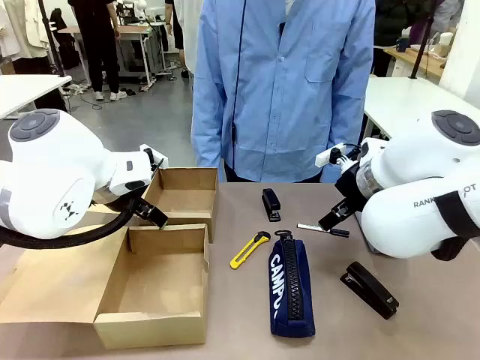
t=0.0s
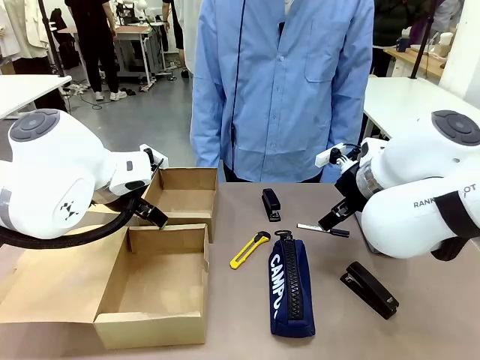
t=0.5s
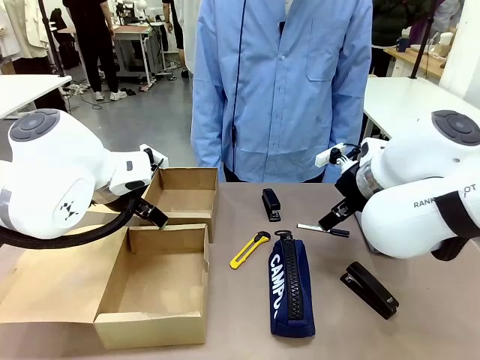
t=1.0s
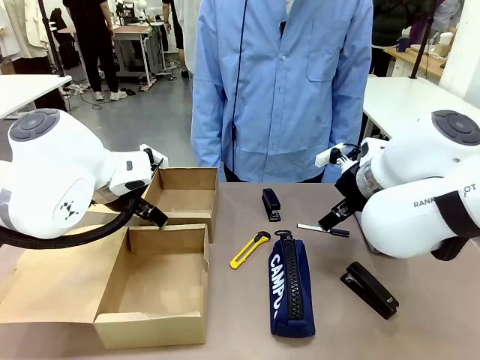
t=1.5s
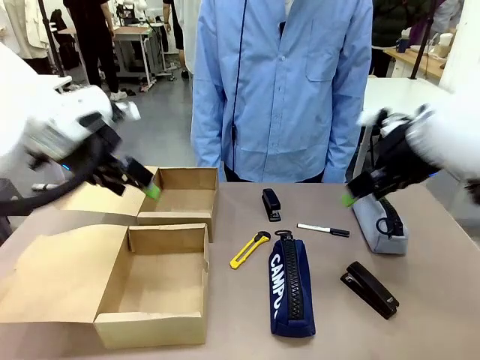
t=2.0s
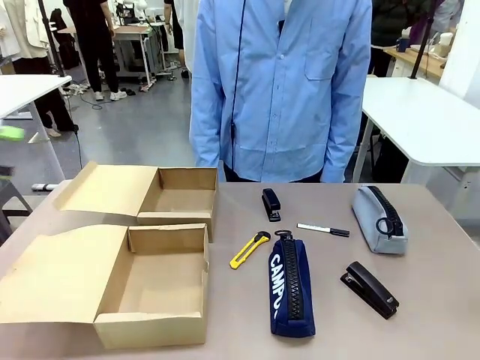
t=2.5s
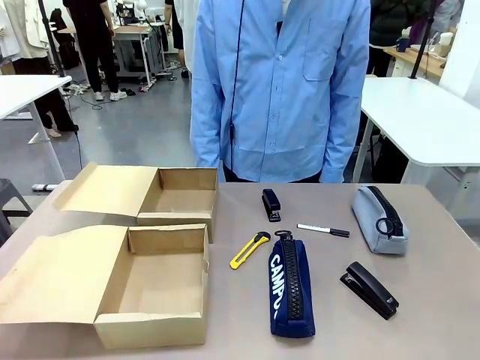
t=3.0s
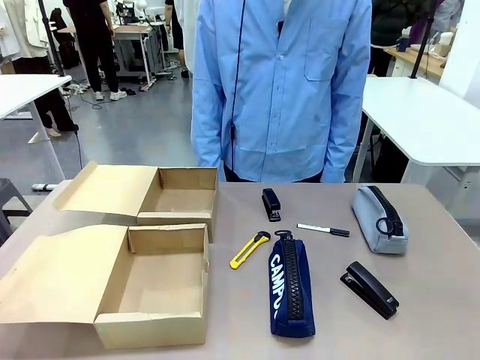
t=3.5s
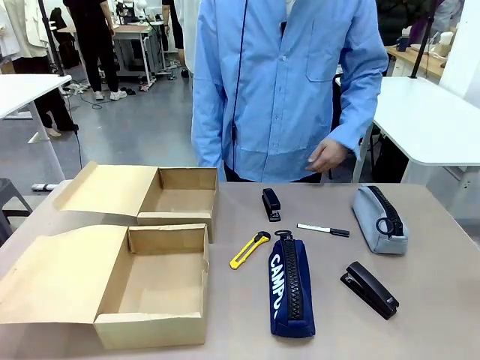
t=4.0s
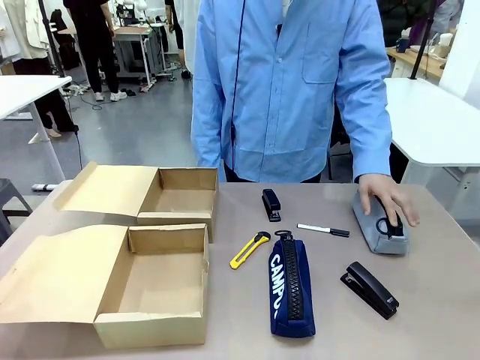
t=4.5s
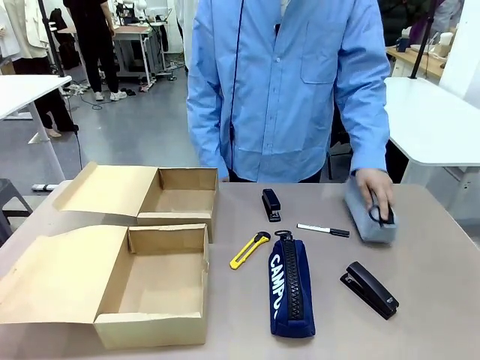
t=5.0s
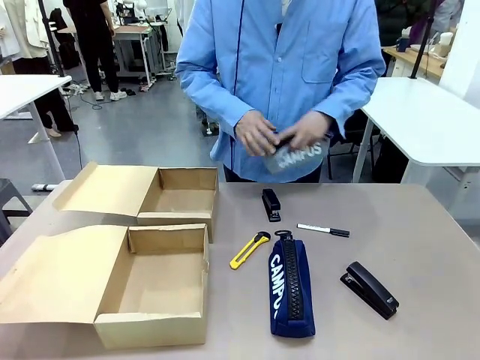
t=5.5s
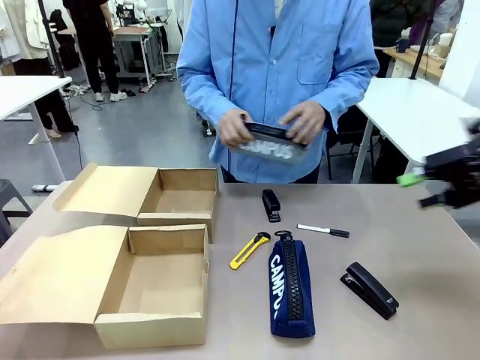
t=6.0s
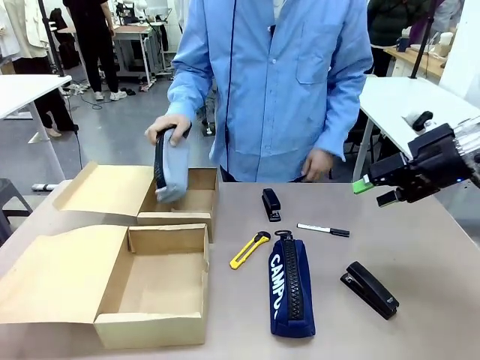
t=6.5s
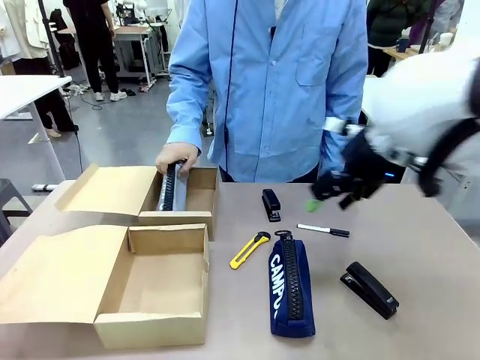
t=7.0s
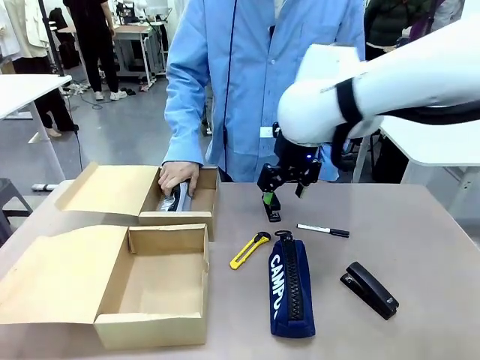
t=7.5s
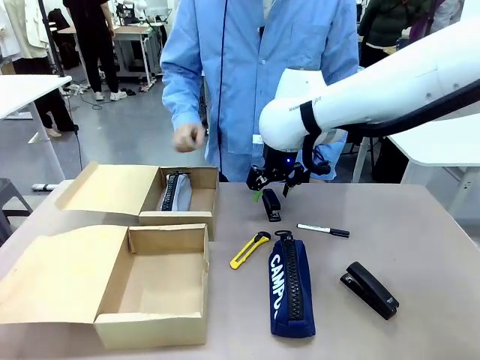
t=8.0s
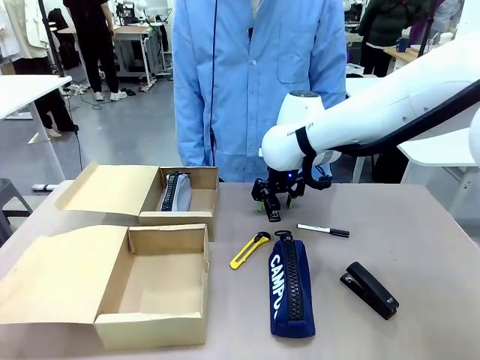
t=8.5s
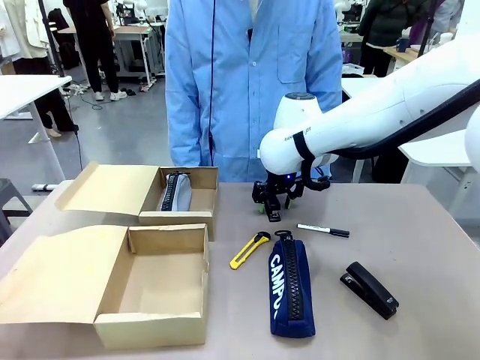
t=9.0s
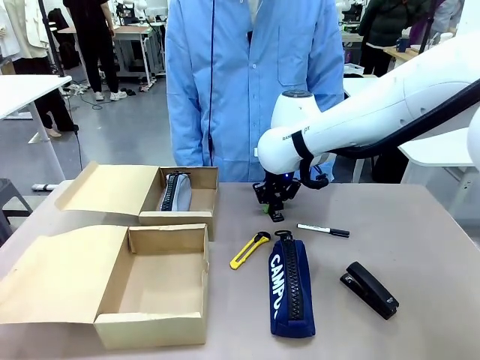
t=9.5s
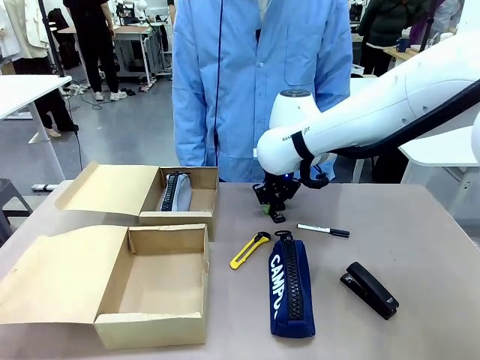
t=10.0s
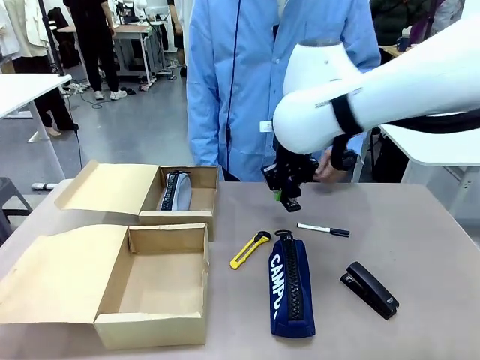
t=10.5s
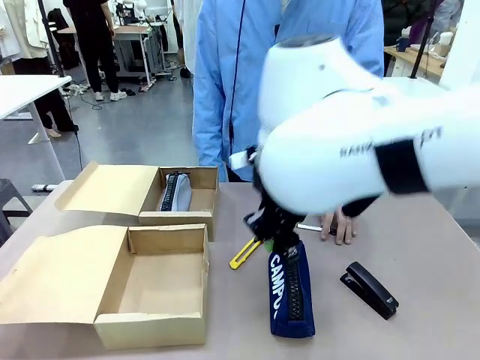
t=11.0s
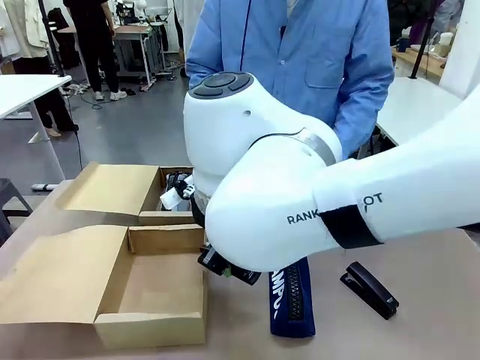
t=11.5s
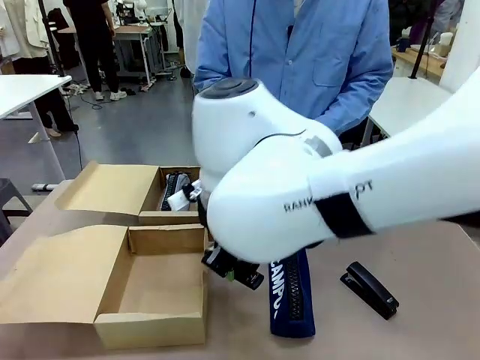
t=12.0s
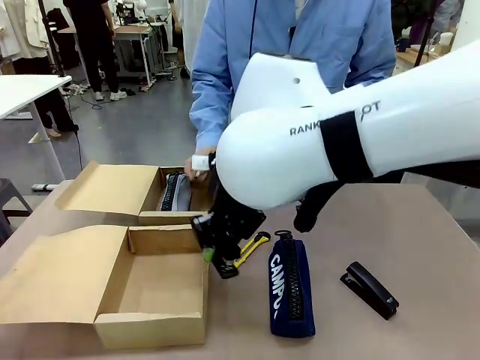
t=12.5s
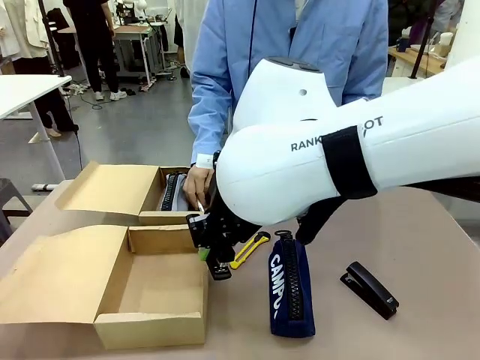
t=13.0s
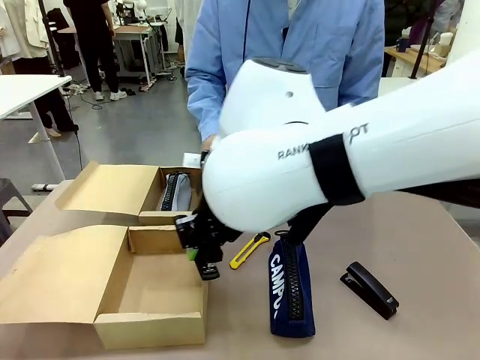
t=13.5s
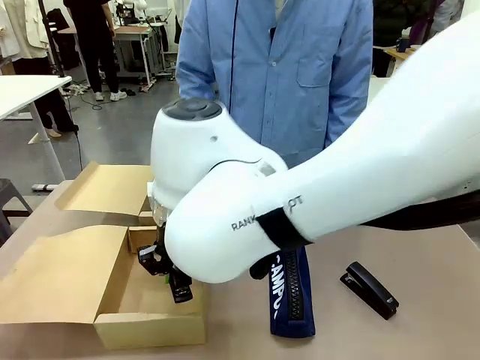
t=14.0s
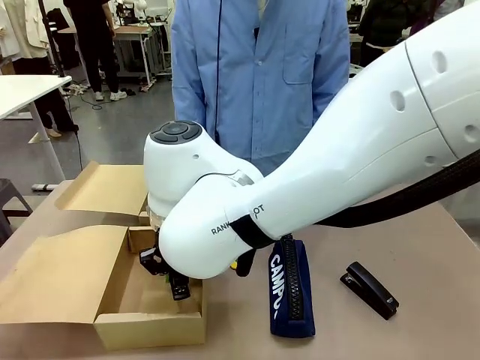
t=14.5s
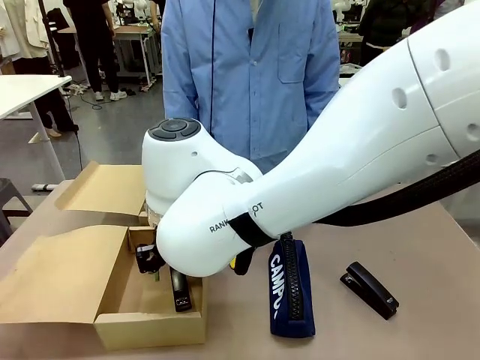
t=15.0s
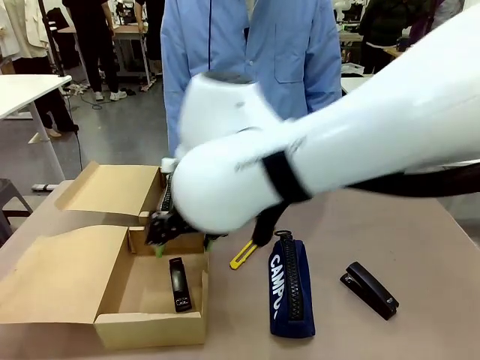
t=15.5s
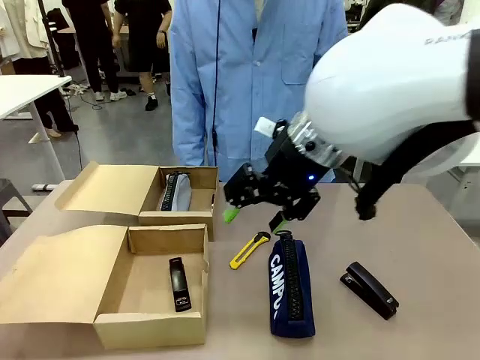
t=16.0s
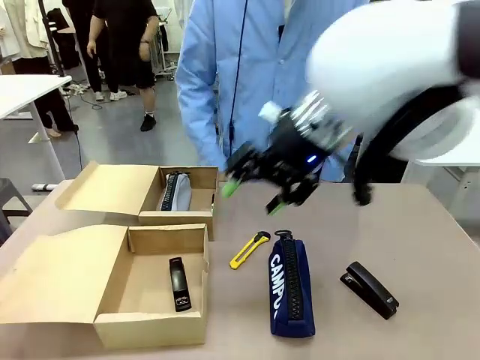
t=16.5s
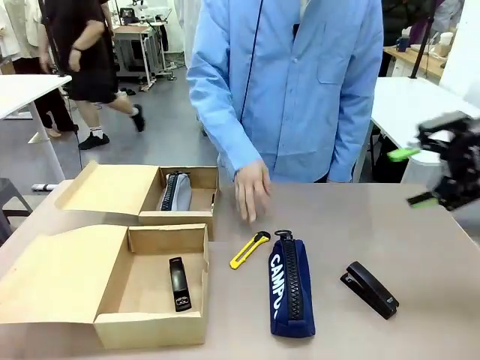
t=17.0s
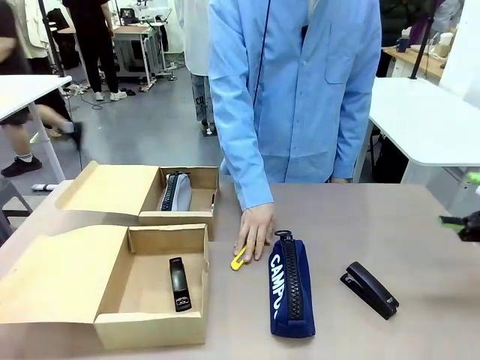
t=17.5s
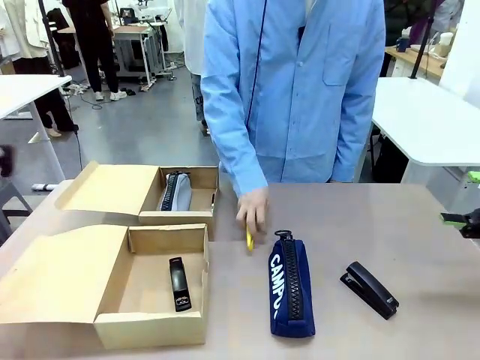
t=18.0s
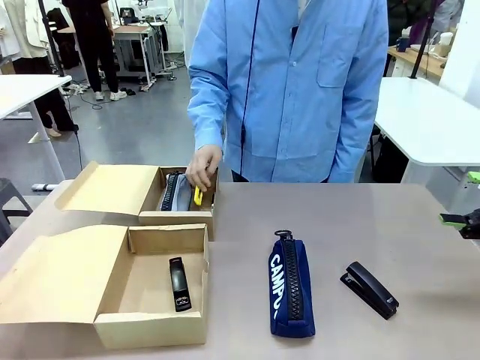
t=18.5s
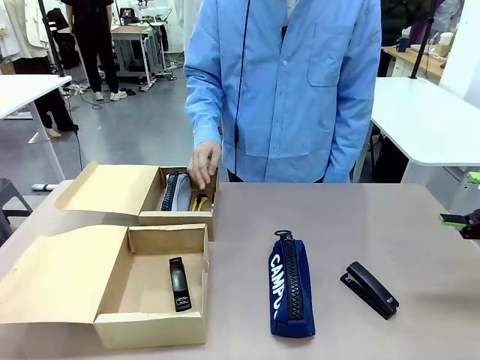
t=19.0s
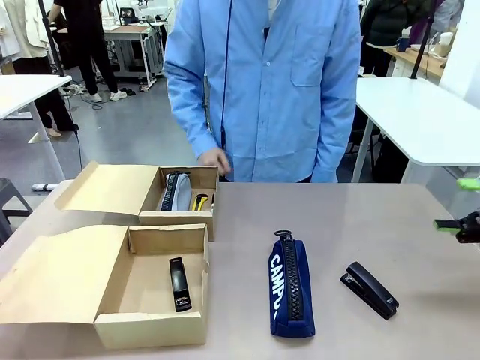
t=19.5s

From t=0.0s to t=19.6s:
Task: Place items inside the box.
Robot: Pick up a Pencil pouch or Stapler and place it inside the Mailer Box closest to the robot.
Person: Pick up an object on the table and put it in the box.
